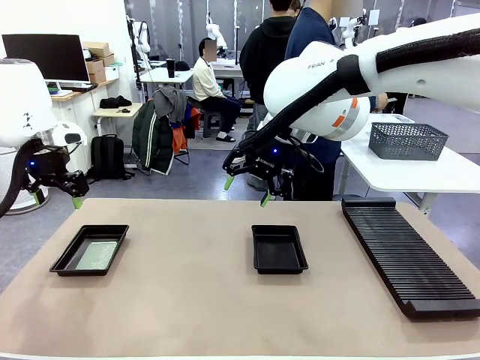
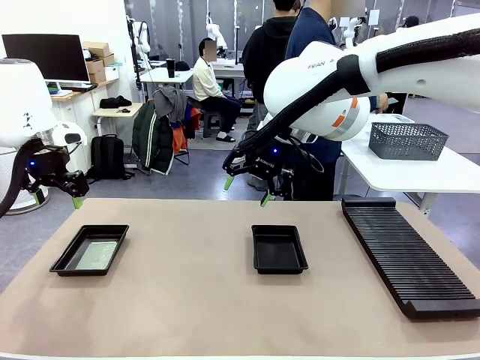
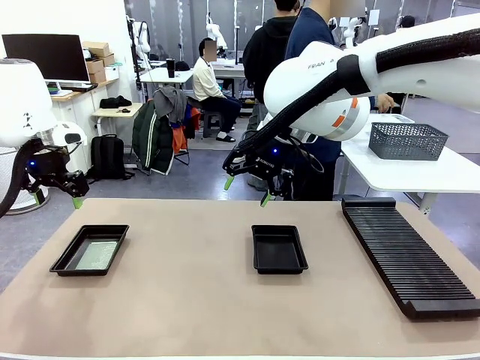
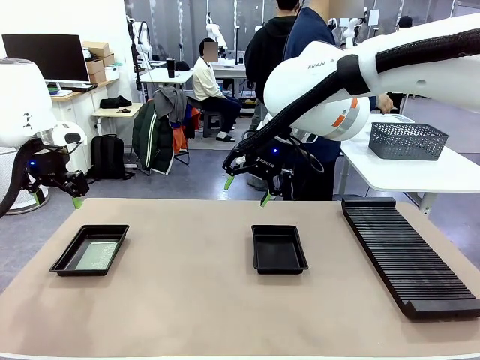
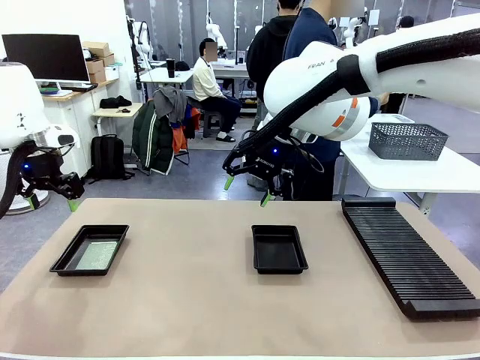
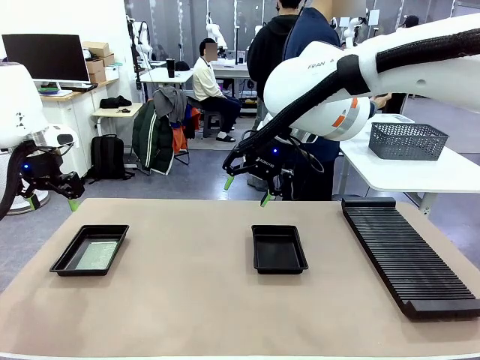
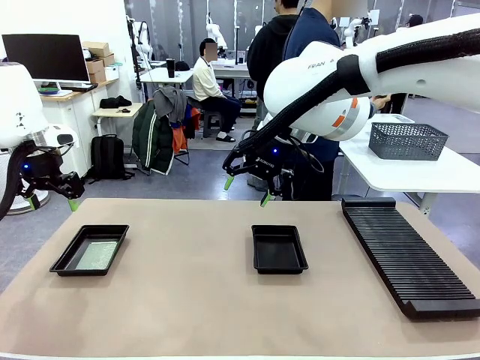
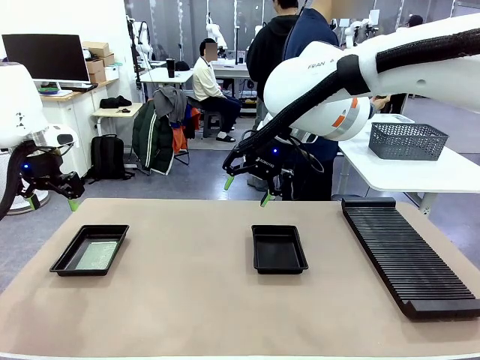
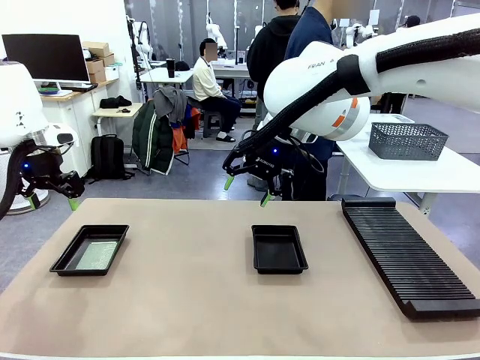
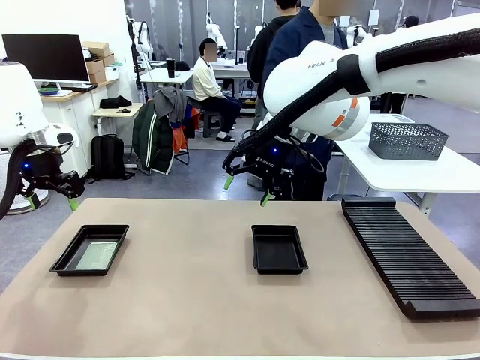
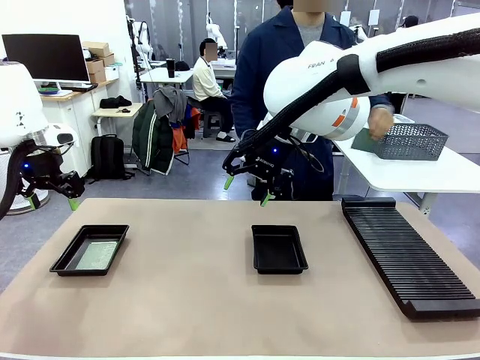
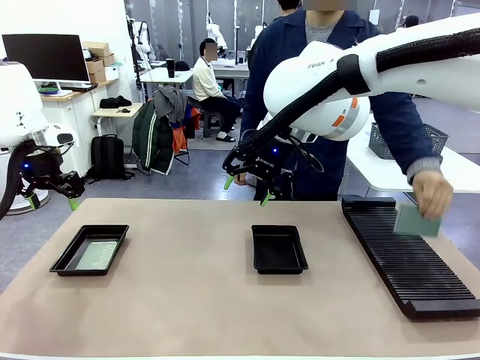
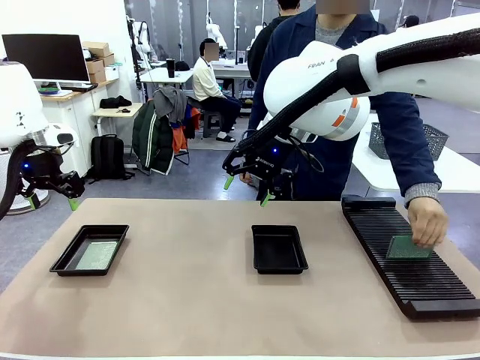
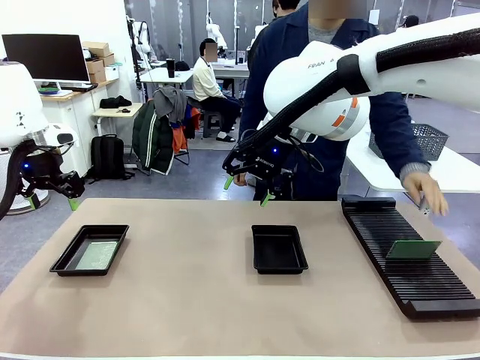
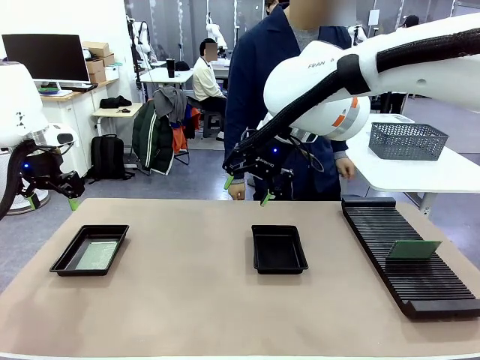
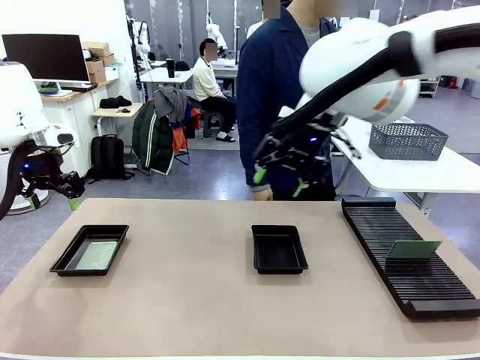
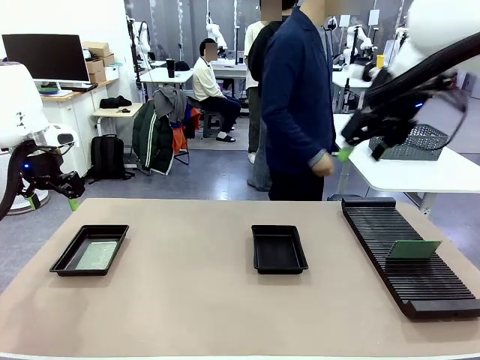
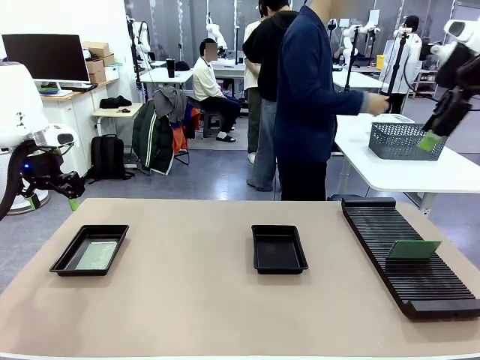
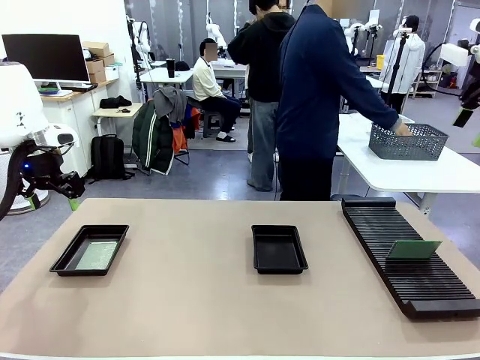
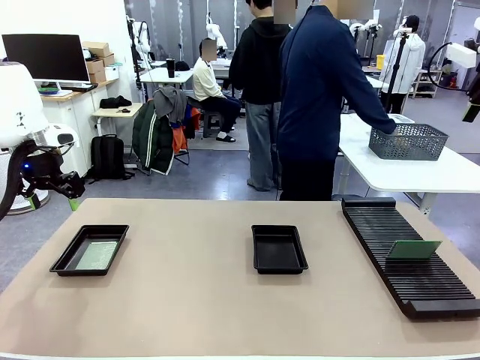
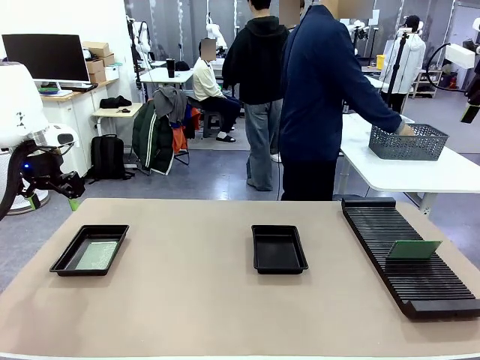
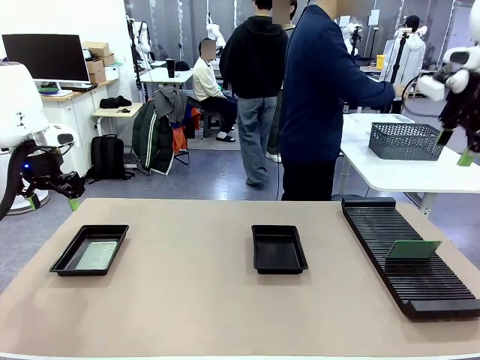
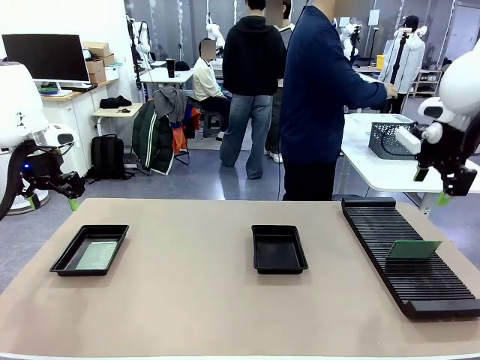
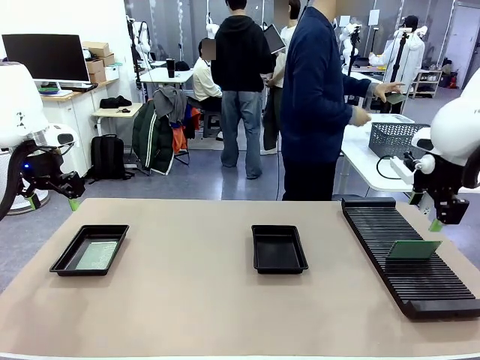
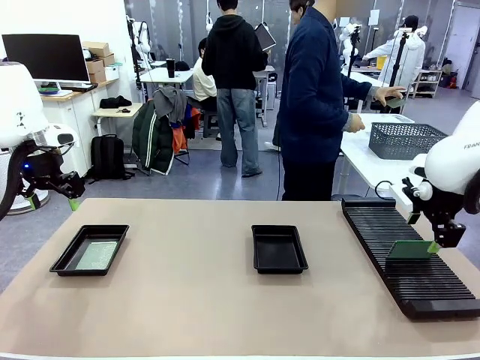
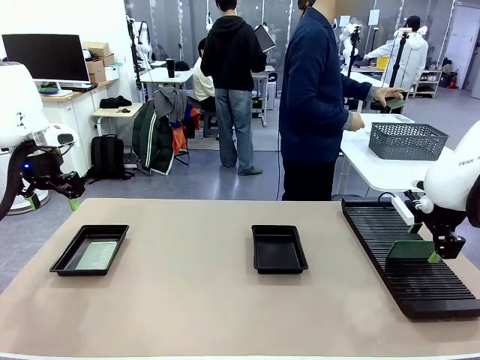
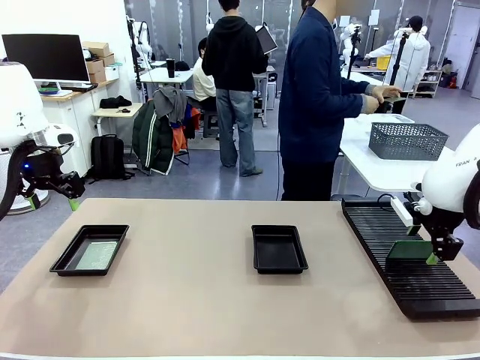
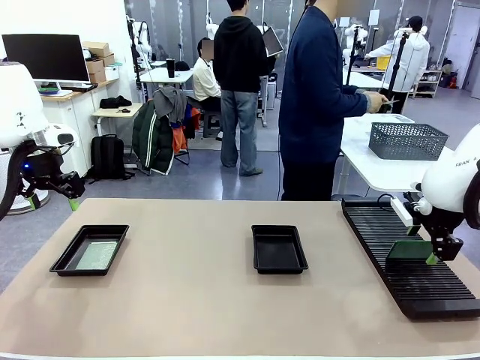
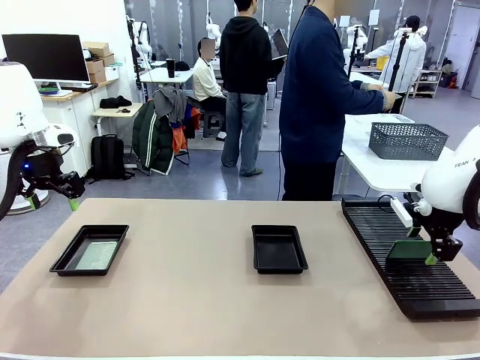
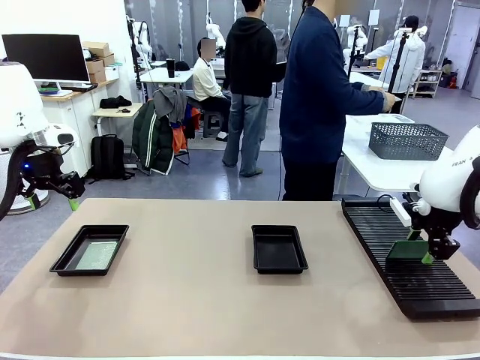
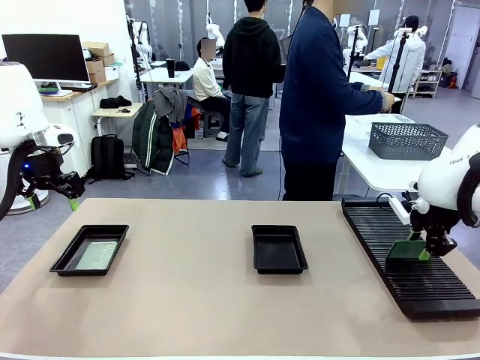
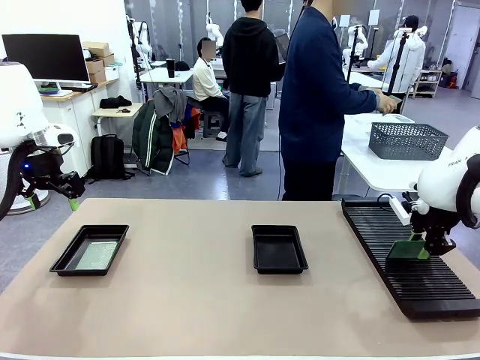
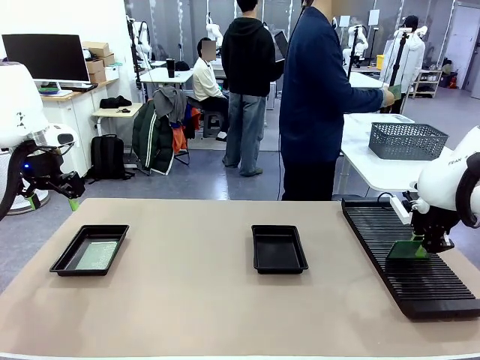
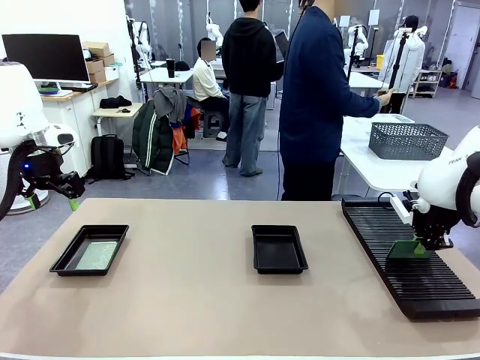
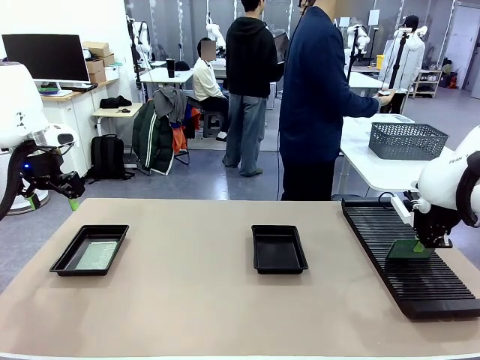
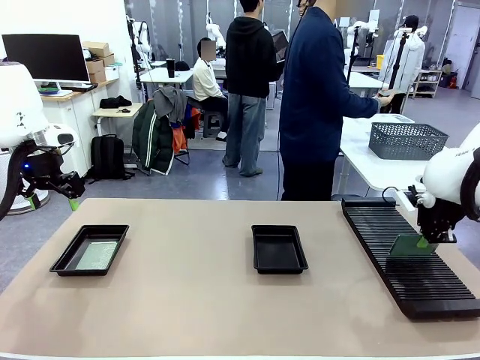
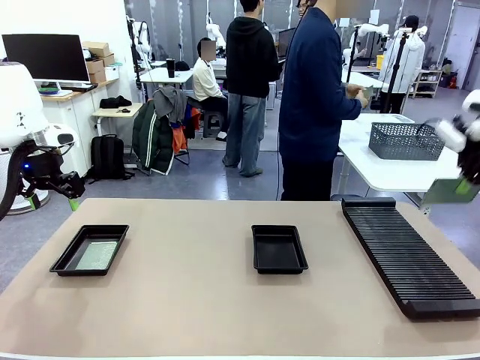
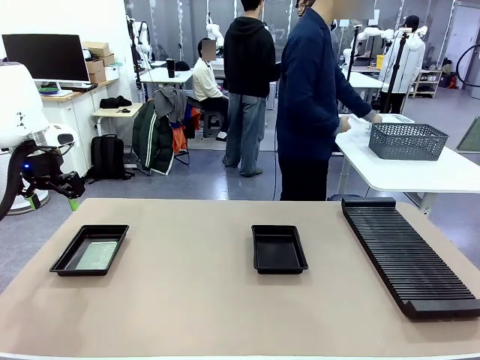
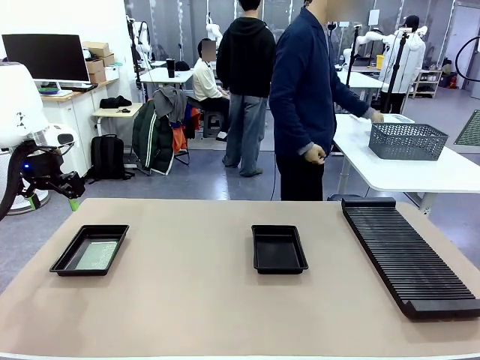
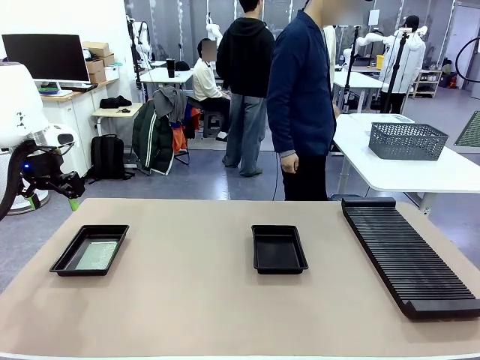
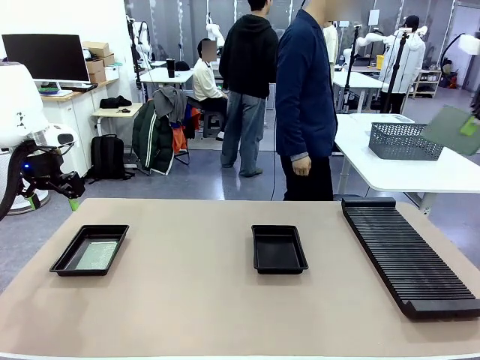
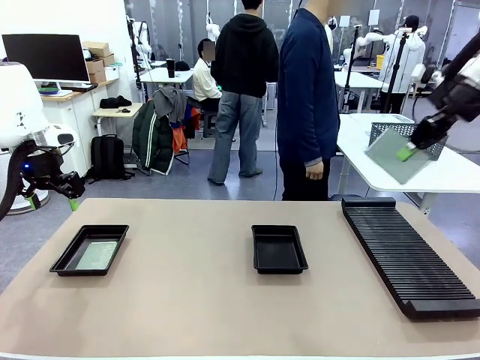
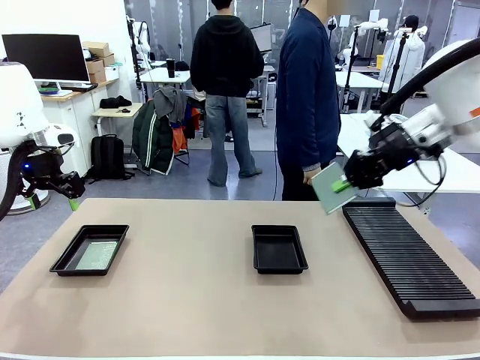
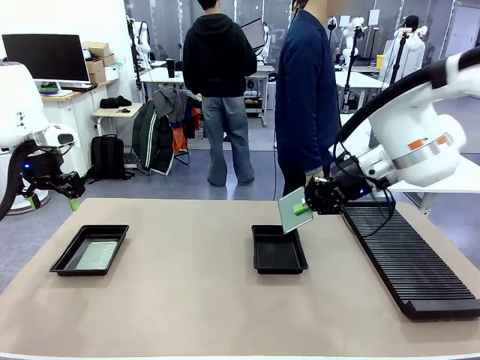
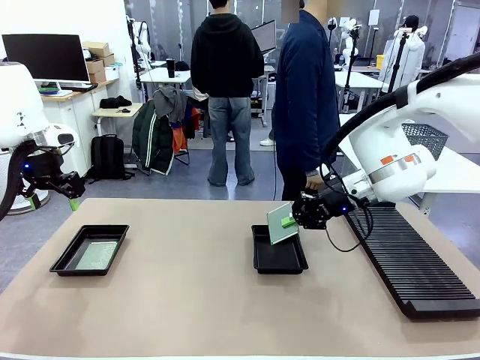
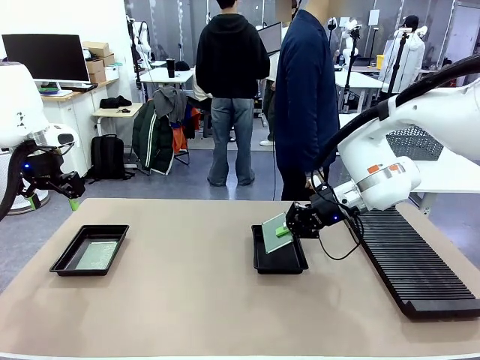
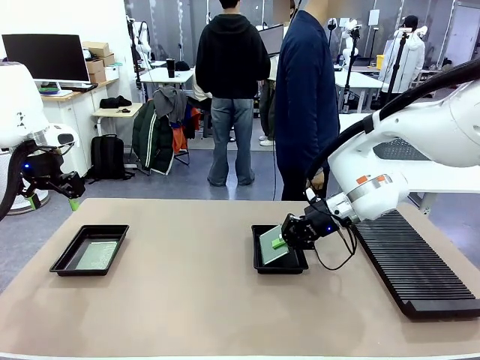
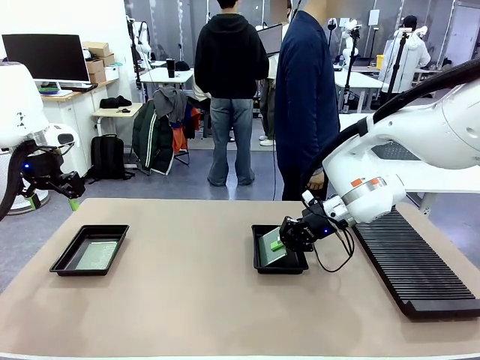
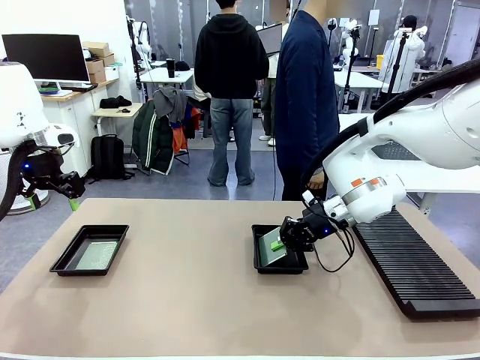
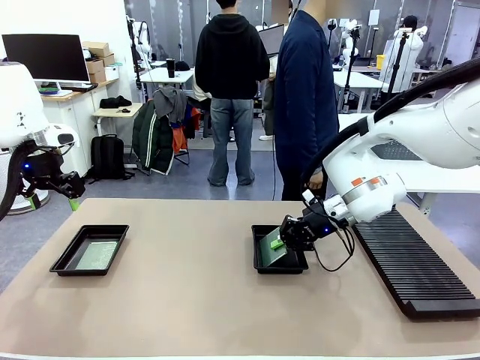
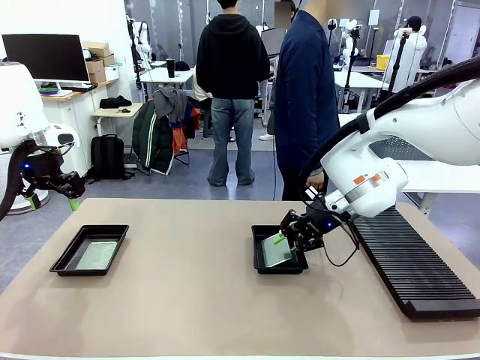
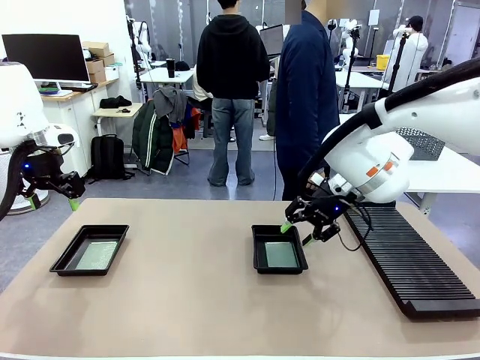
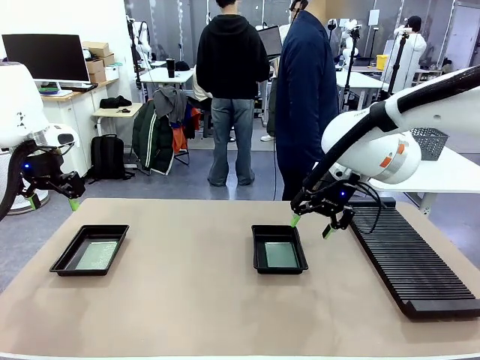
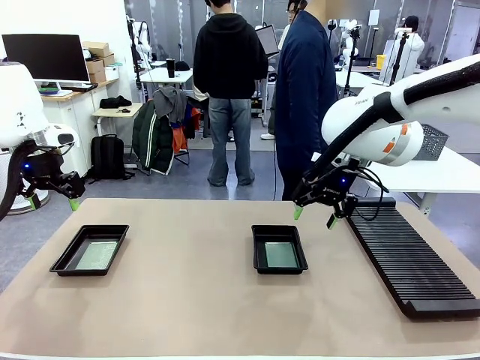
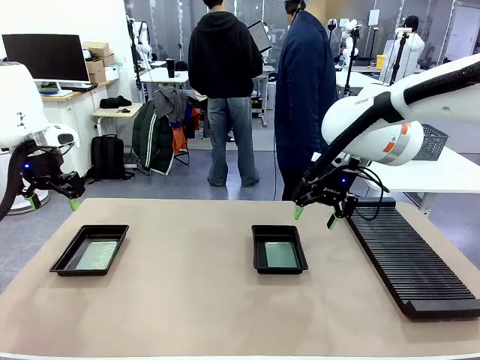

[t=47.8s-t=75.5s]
Task: Inspect and transfer BCBs to ESD trays.
Robot: Pick up the Blank PCB from the PCB Rack and place it in the right ESD tray.
